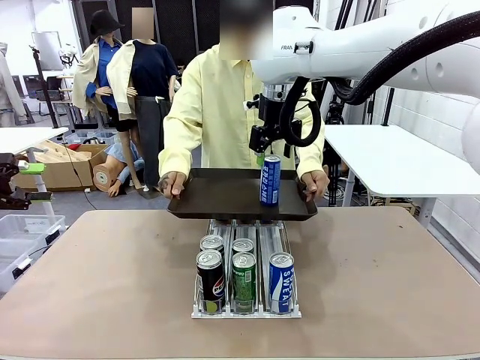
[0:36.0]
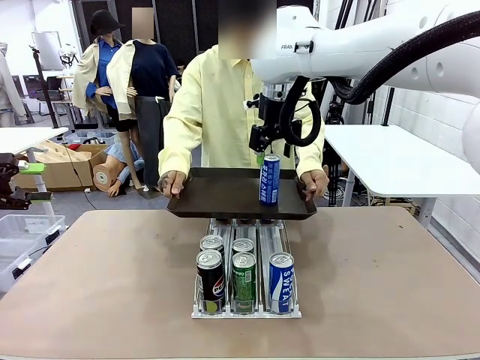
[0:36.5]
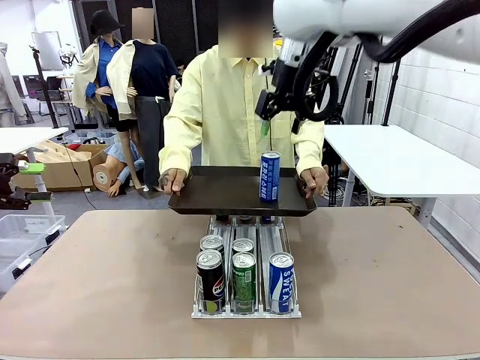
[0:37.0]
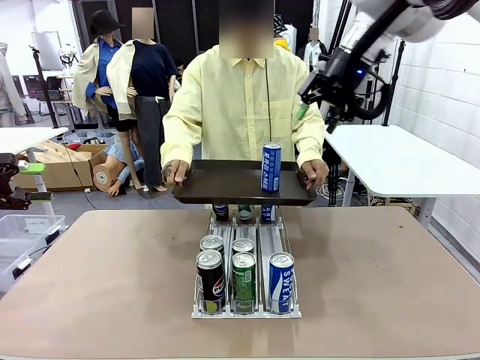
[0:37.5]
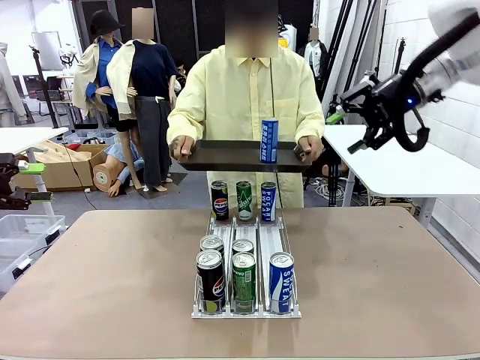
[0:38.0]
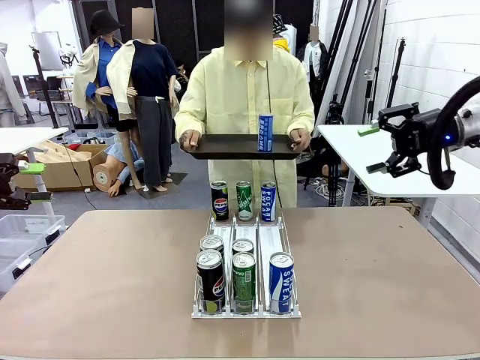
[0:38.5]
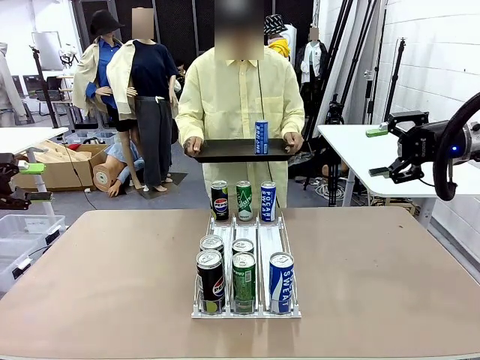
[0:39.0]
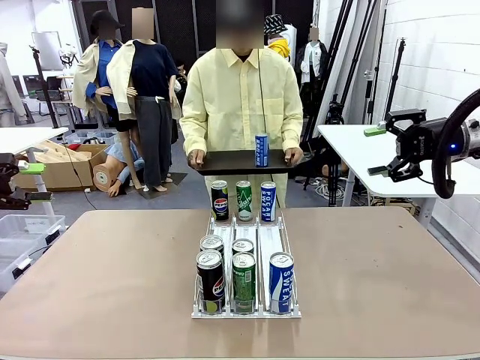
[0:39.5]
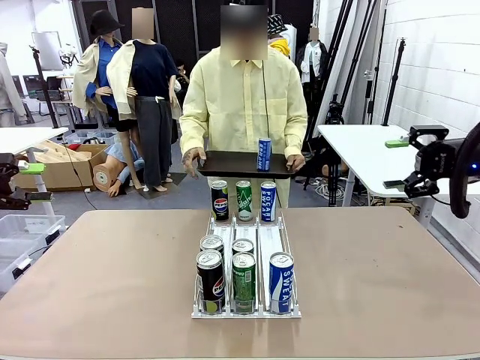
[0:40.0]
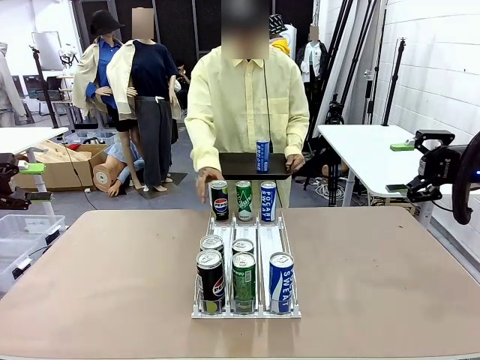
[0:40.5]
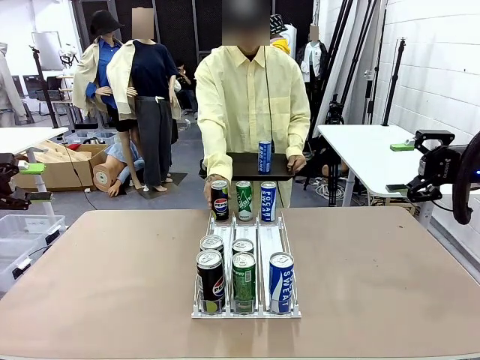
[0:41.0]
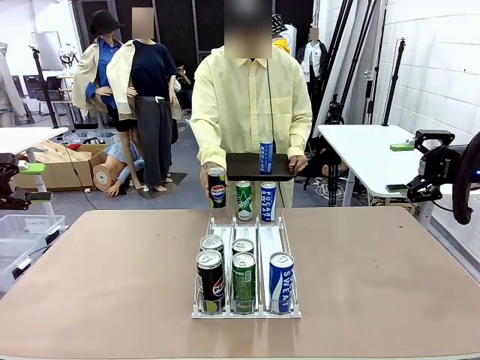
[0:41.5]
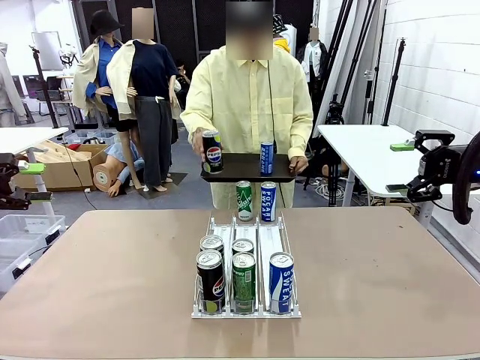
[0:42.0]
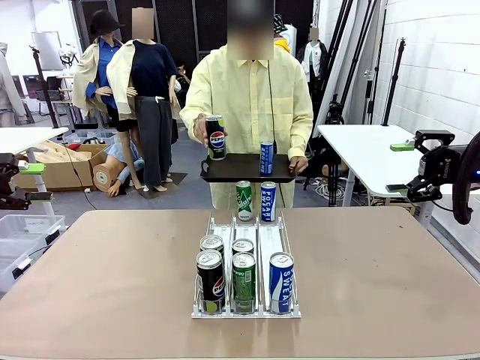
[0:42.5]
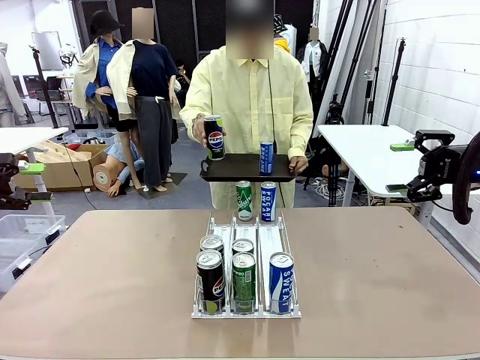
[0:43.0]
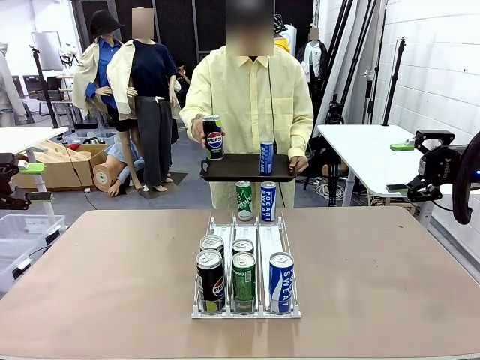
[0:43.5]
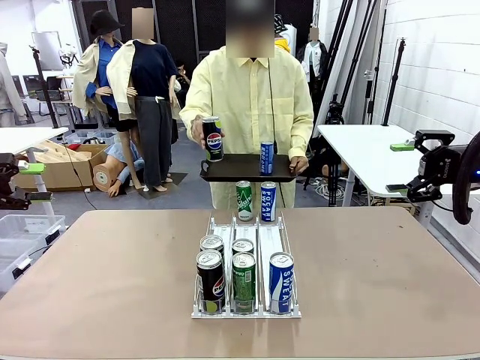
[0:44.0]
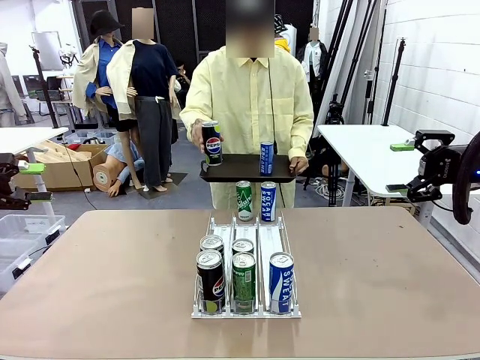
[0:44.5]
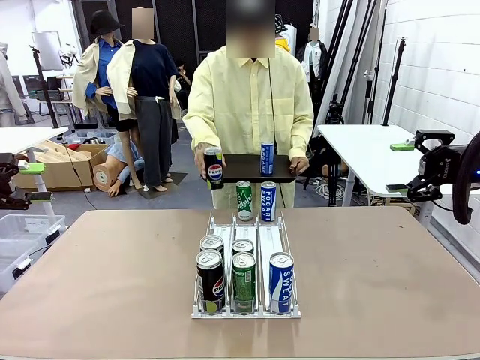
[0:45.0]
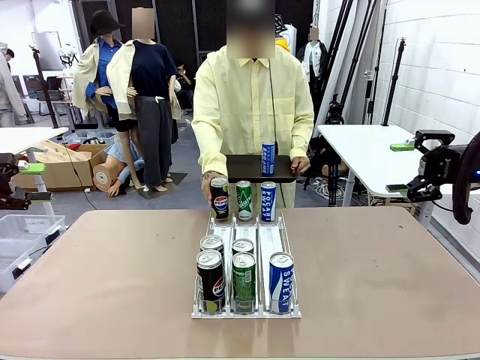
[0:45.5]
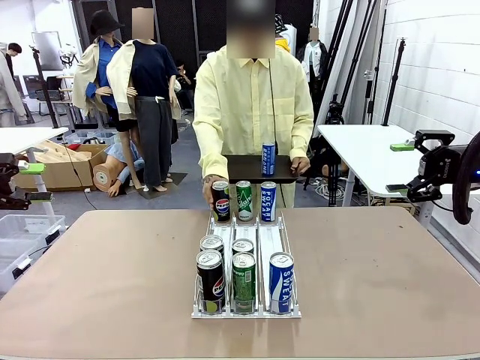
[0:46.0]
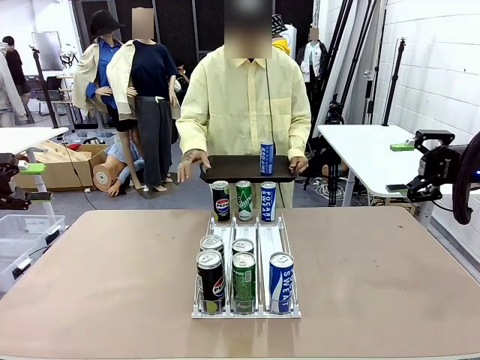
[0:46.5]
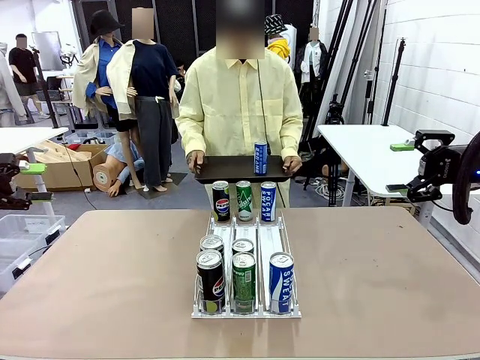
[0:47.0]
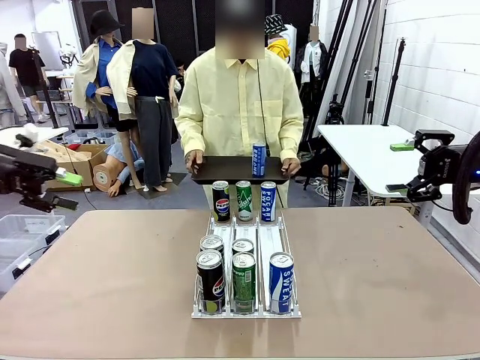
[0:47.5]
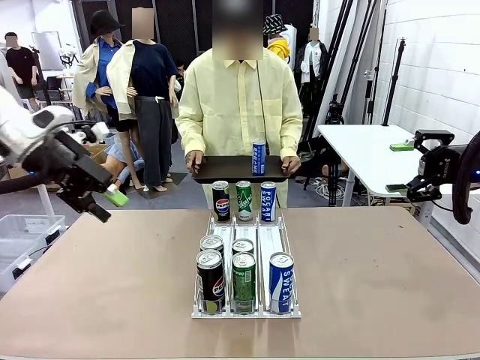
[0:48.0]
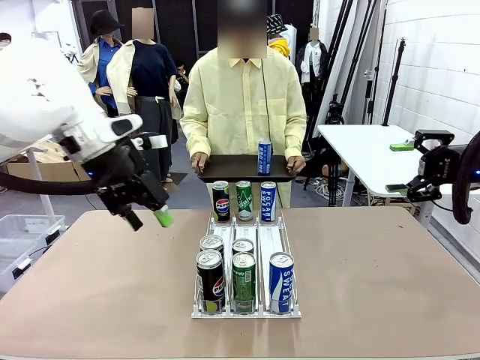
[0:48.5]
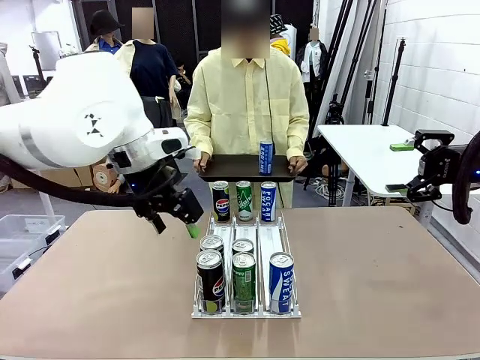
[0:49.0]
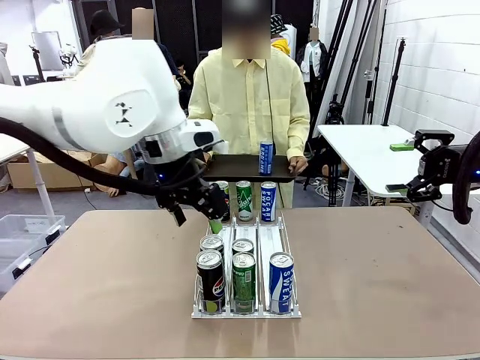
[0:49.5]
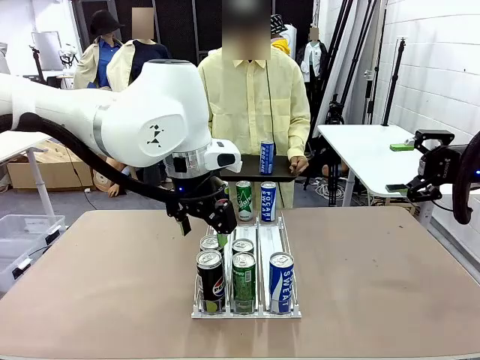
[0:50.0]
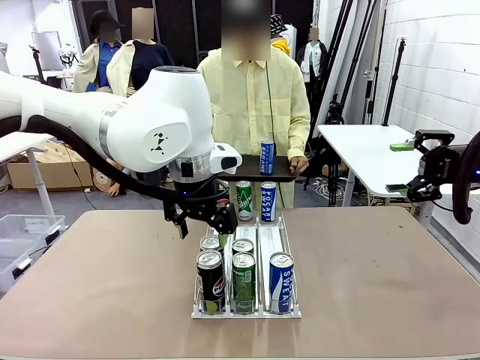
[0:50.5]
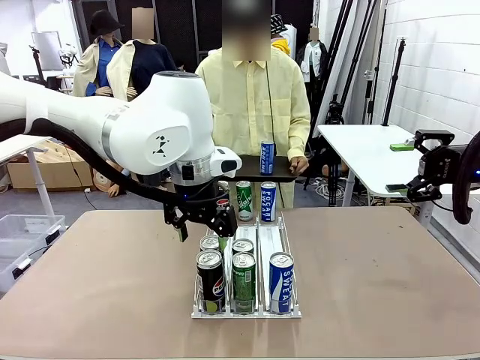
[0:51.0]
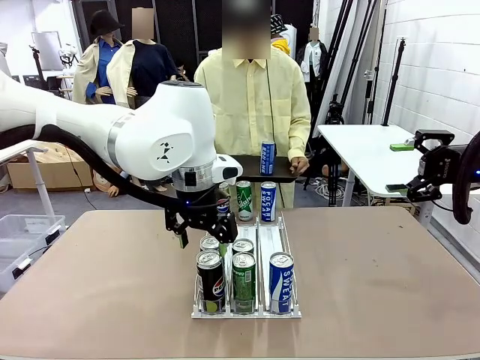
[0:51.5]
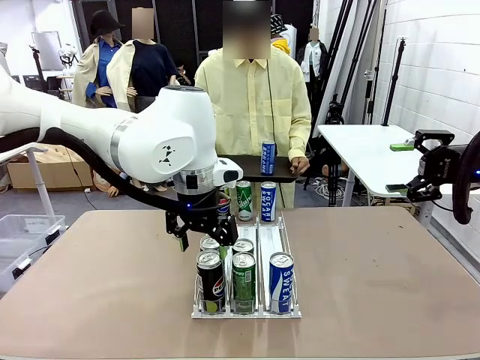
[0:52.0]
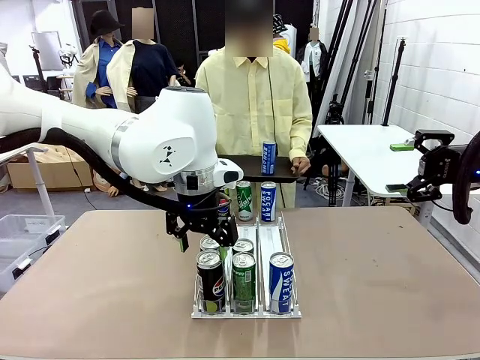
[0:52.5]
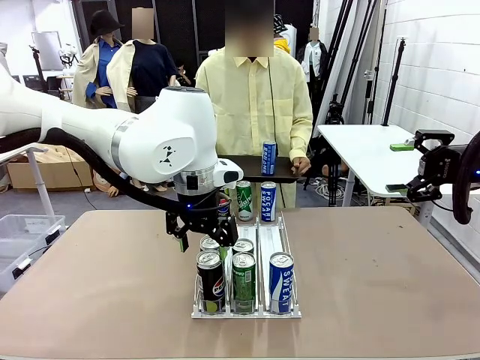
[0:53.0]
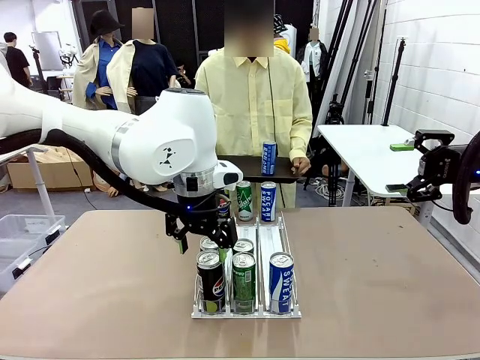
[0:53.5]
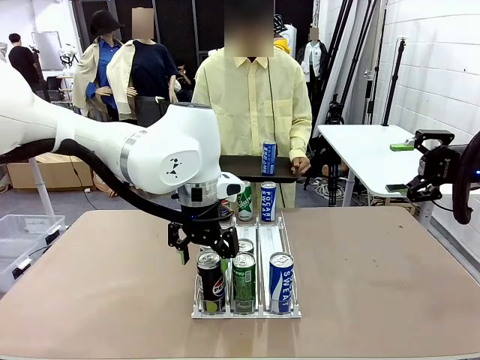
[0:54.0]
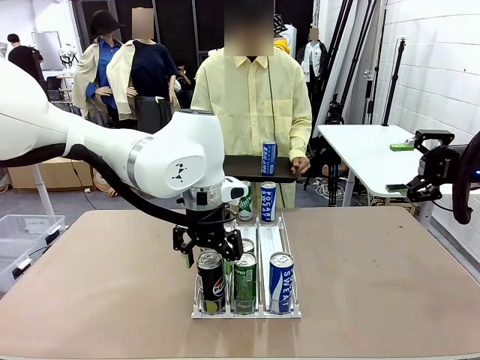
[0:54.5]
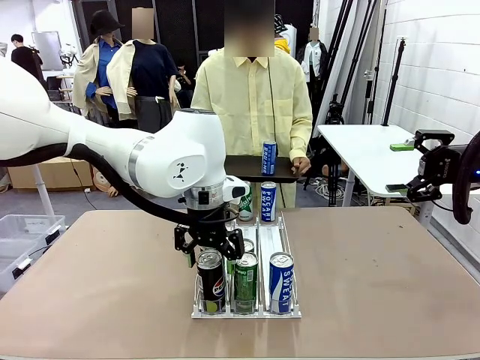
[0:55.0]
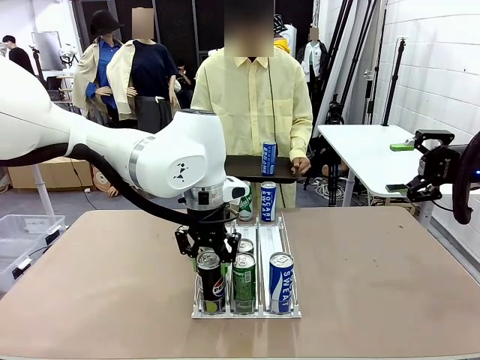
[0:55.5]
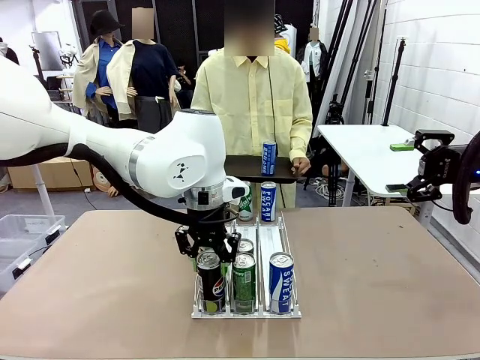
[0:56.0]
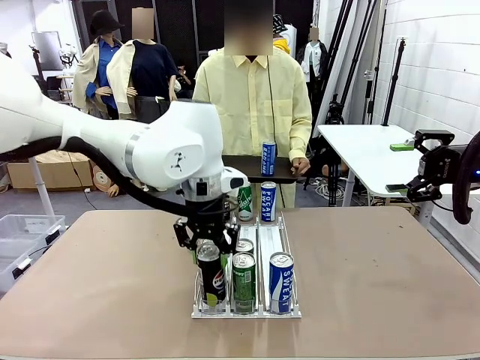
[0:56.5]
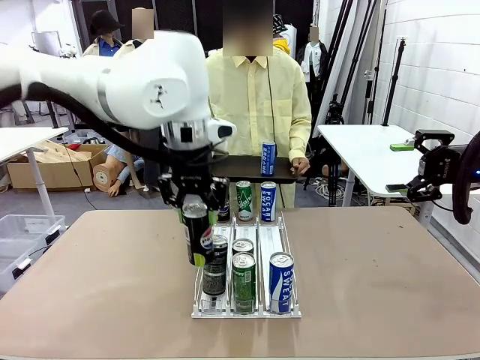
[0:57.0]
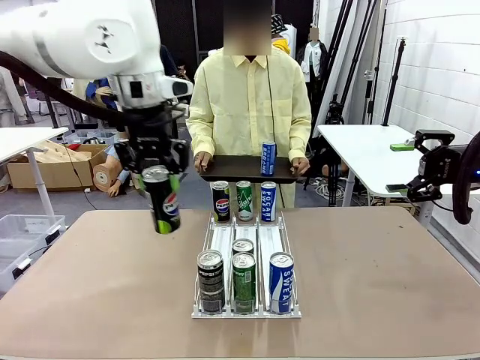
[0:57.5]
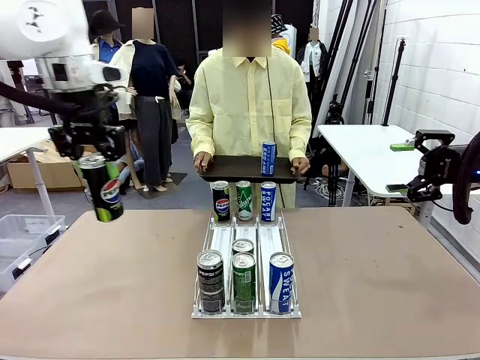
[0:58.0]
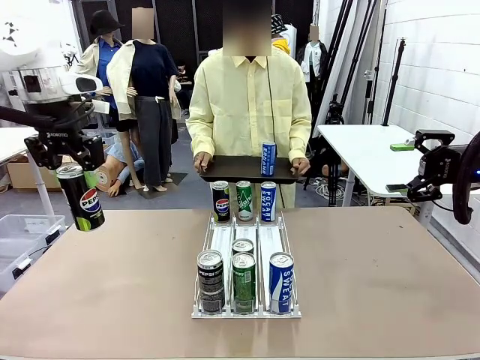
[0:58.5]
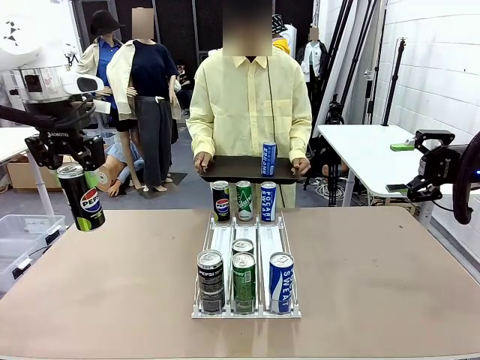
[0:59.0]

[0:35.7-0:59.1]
Task: Retrieve and hand over the desired beverage to the person.
Robot: Pick up another can of the same type that the person held from the Automatic Can Dispenser.
Person: Pull the tray back, then pick up another can from the bottom area of the table and puts it back in its original place. Push the tray toward the robot again.

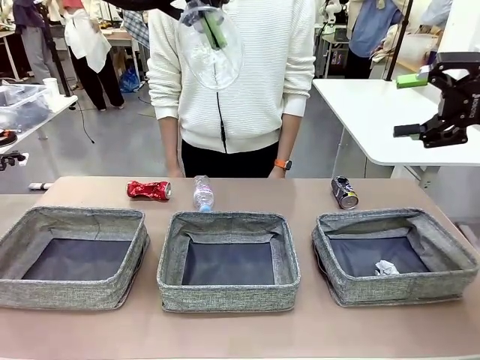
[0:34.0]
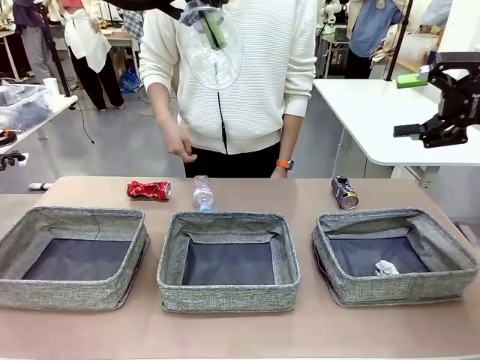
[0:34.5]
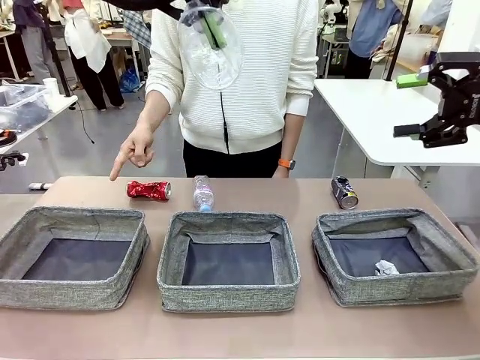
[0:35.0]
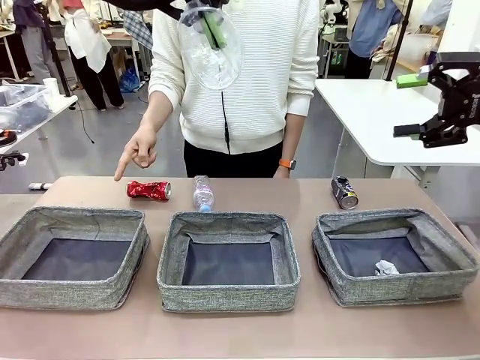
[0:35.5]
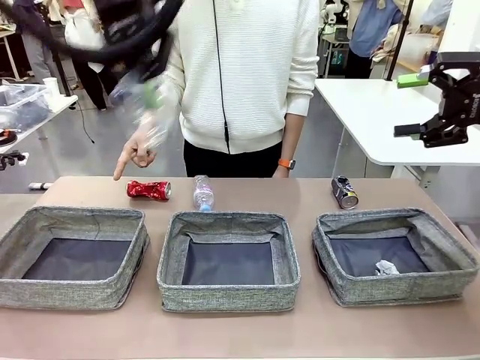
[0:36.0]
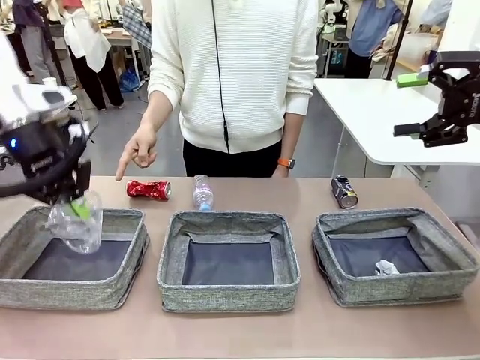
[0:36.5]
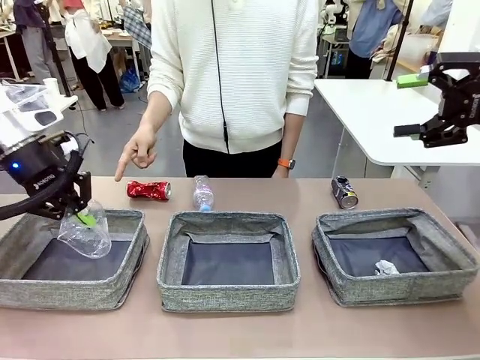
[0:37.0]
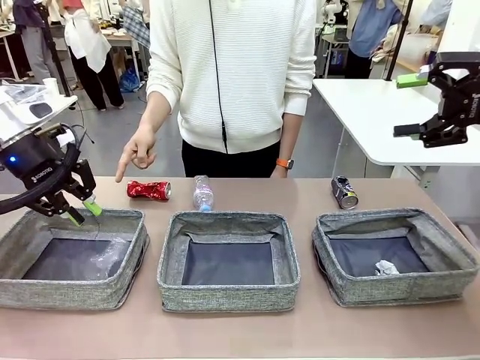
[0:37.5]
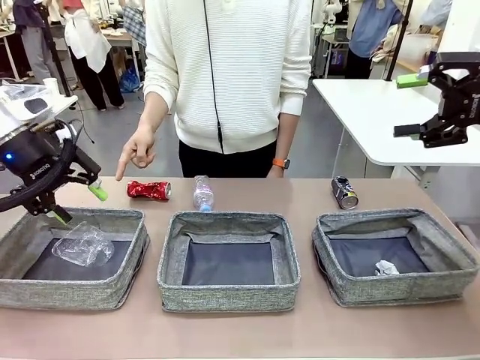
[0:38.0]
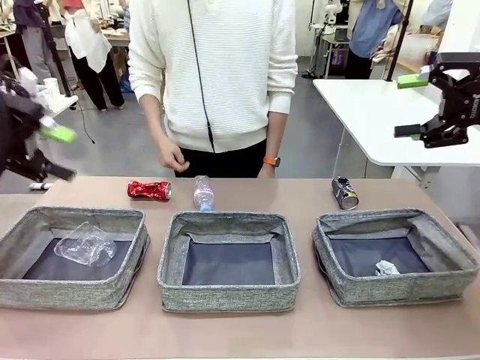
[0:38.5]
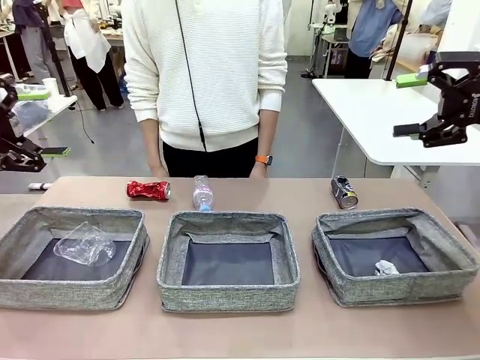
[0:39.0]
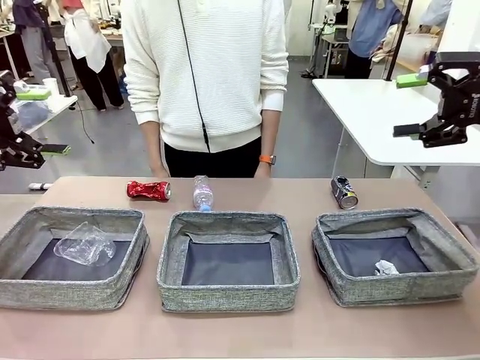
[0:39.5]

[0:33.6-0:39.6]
Task: Sort the waste into the appropriate baskets.
Robot: Place the picked waste into the Fabric basket indicated by the person.
Person: Instructs the robot to place the picked-up trash into the appropriate organizing basket.
